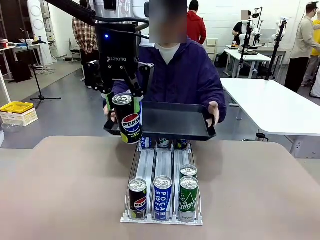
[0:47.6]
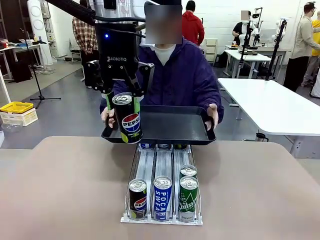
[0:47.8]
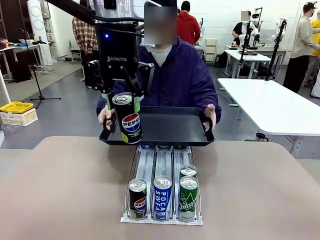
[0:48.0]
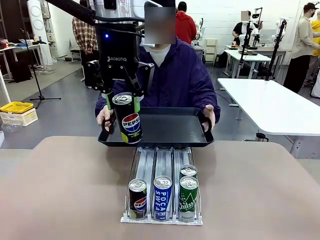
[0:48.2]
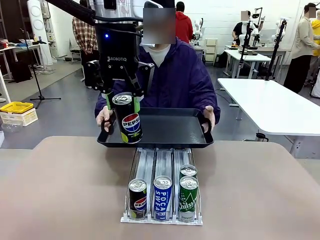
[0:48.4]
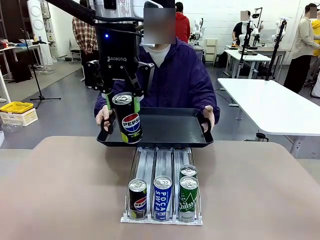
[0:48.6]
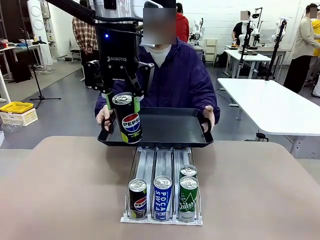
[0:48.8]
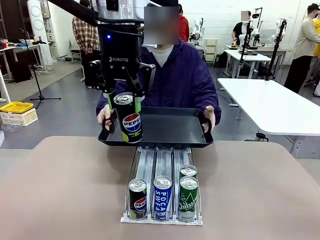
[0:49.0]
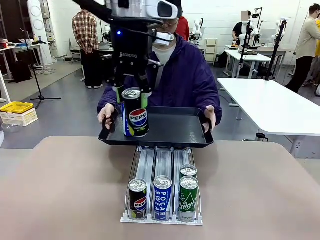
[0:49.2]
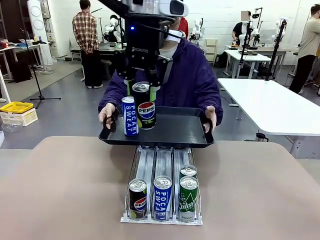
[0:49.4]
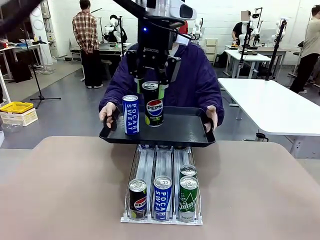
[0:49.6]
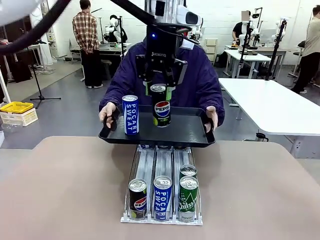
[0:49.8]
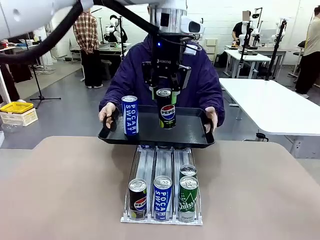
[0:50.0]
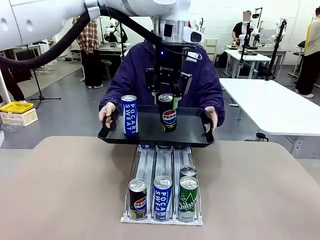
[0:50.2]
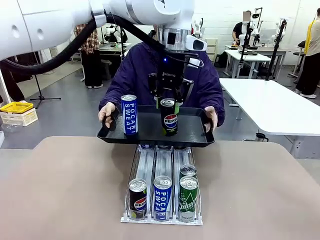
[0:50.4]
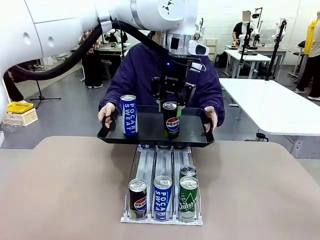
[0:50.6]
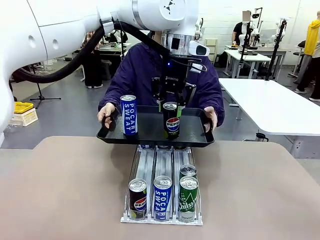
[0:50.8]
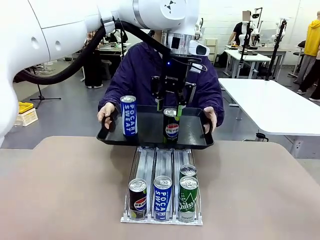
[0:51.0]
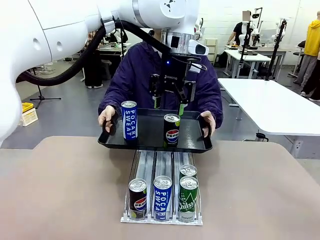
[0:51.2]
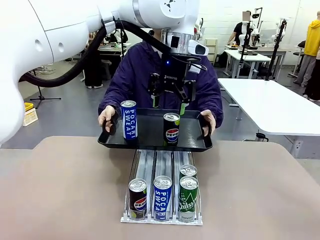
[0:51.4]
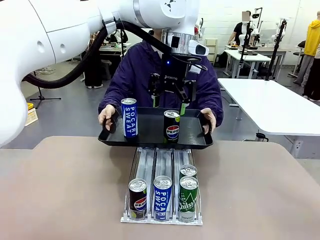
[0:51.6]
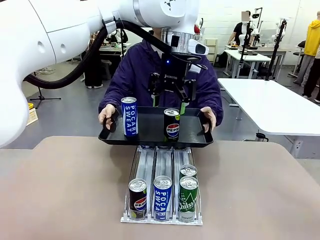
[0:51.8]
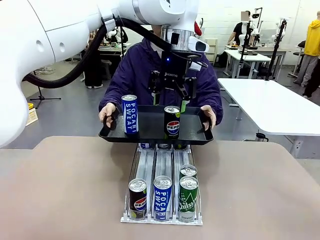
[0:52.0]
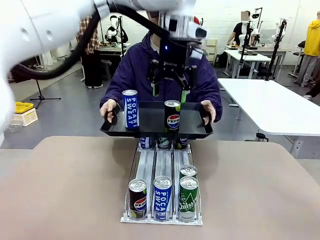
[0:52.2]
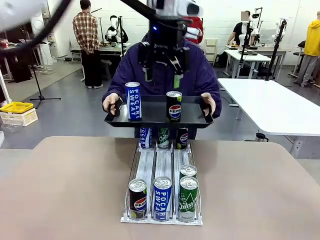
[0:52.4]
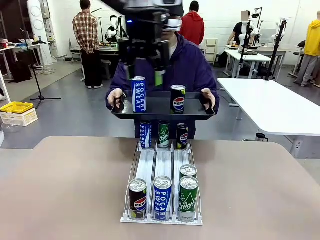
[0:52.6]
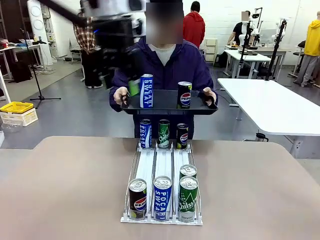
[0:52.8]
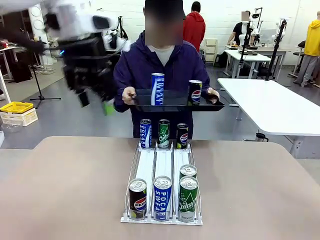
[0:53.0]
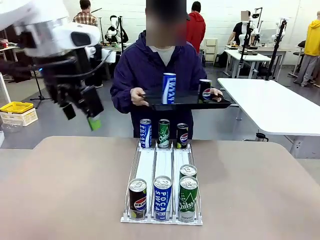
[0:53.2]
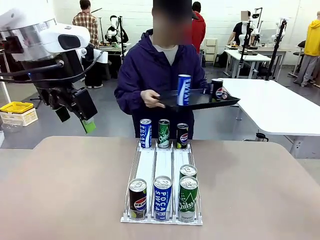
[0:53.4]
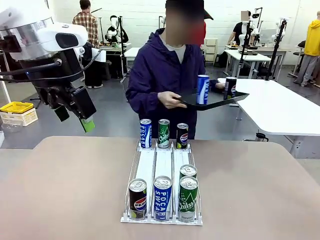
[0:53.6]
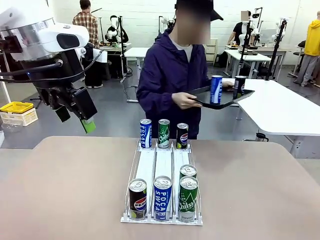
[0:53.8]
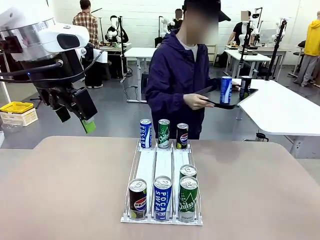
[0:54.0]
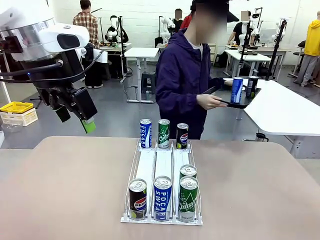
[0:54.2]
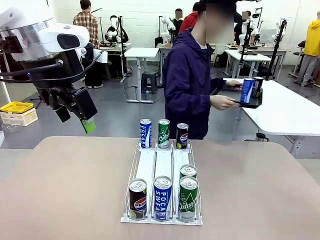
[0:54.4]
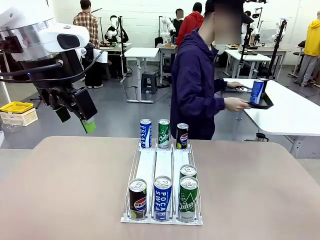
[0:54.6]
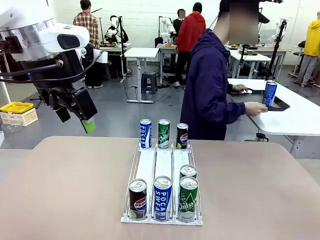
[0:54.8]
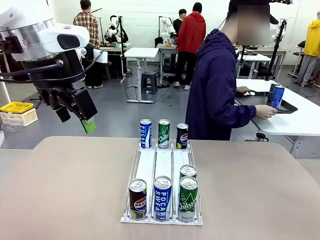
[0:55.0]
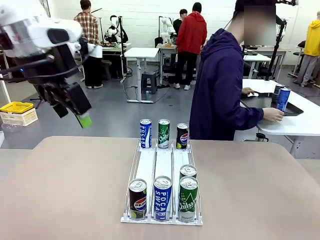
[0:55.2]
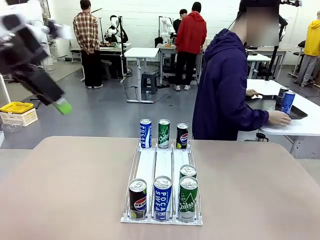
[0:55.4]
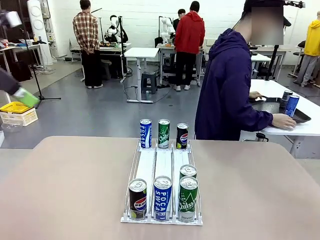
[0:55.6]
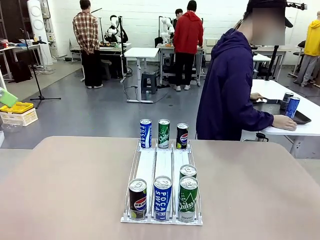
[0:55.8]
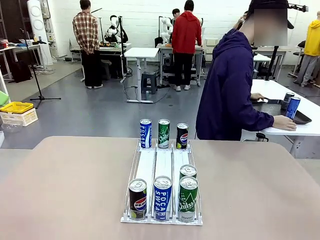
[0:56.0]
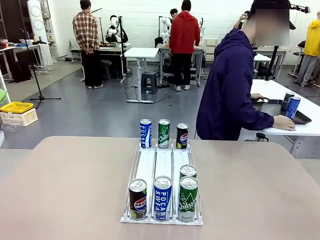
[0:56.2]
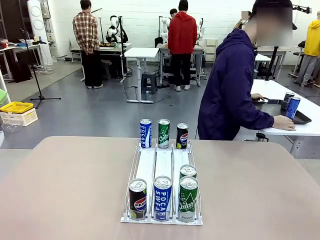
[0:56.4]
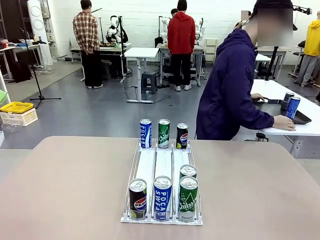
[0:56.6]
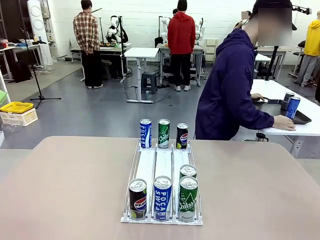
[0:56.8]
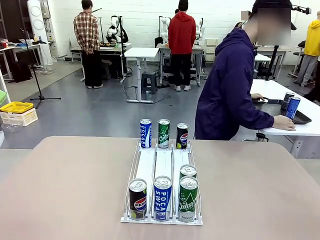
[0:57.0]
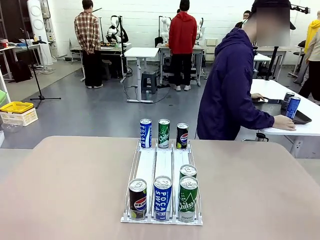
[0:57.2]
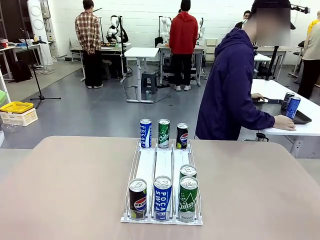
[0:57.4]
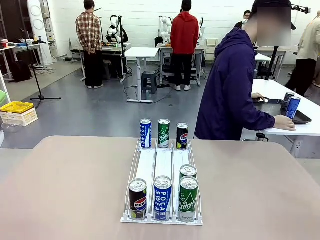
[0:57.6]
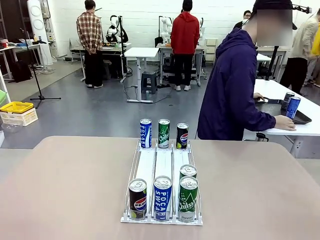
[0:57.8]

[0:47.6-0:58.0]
Task: Retrieve and hand over the desired beverage to the person.
Robot: Place the picked can on the Handle tray extended by the person.
Person: Pull the tray back and place it at the center of the human table.

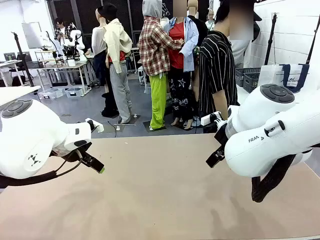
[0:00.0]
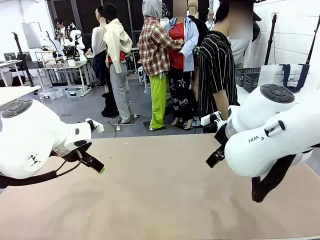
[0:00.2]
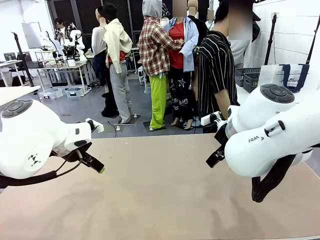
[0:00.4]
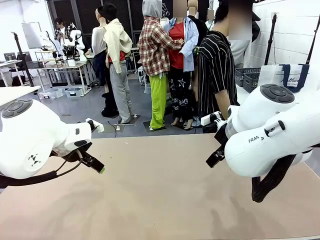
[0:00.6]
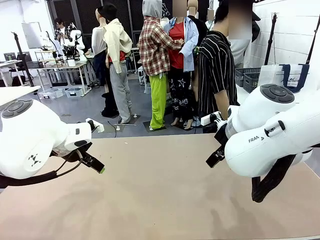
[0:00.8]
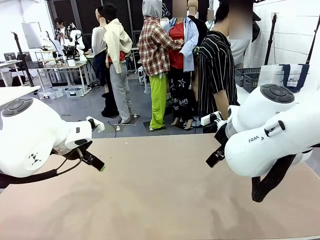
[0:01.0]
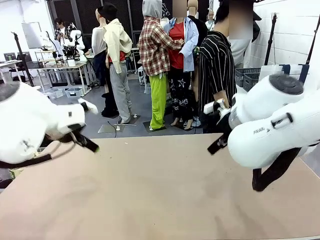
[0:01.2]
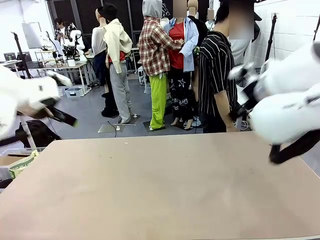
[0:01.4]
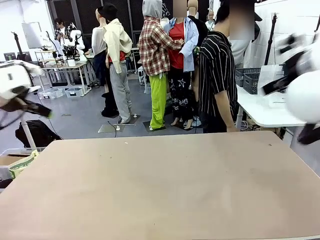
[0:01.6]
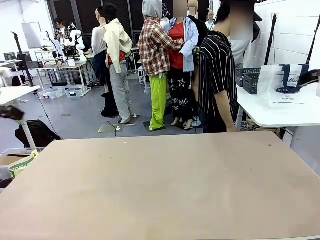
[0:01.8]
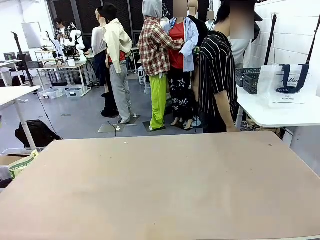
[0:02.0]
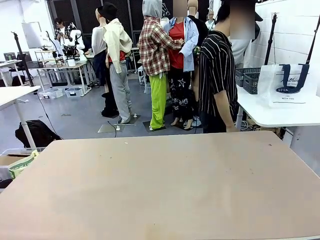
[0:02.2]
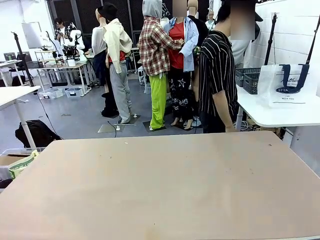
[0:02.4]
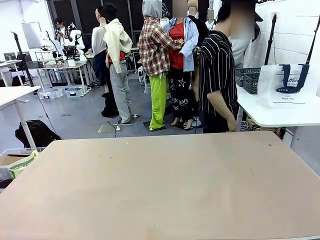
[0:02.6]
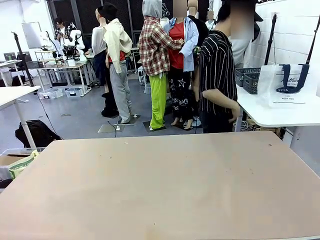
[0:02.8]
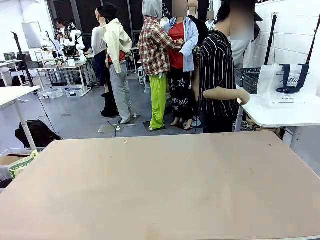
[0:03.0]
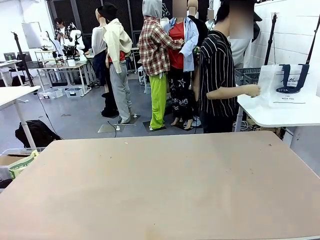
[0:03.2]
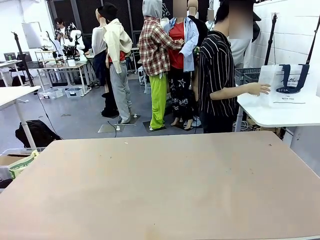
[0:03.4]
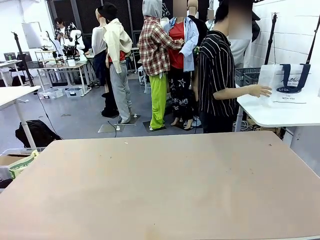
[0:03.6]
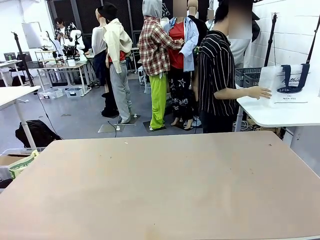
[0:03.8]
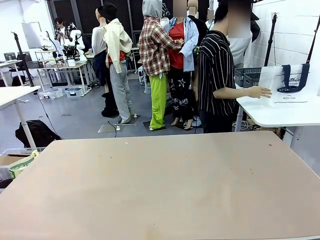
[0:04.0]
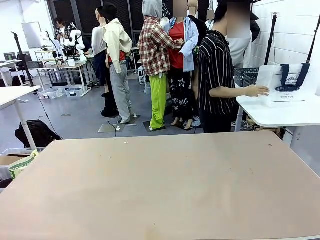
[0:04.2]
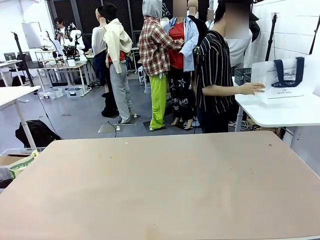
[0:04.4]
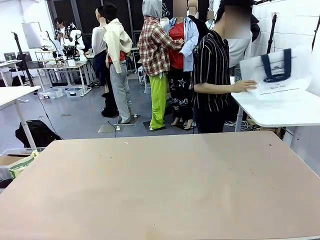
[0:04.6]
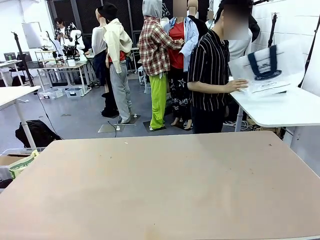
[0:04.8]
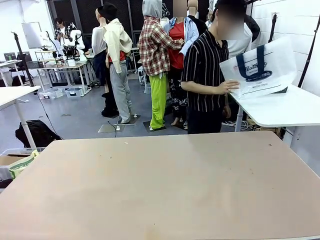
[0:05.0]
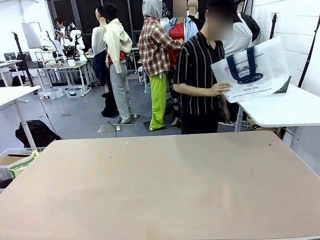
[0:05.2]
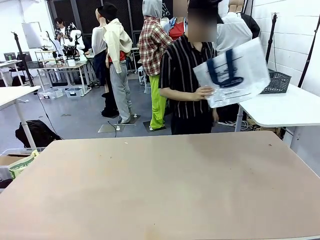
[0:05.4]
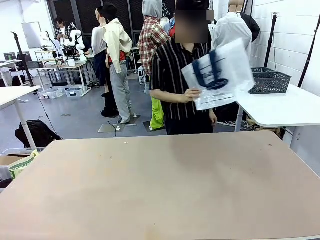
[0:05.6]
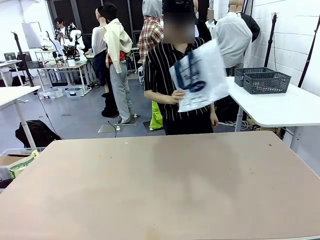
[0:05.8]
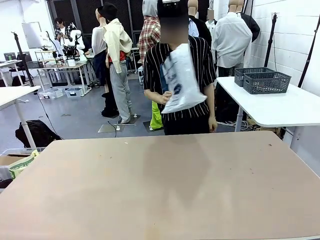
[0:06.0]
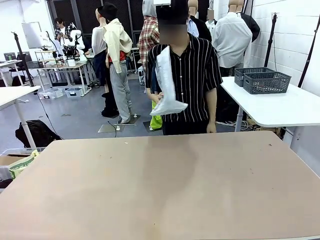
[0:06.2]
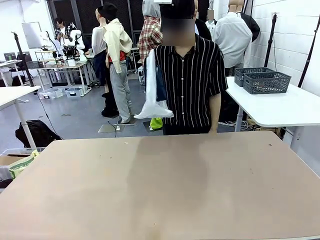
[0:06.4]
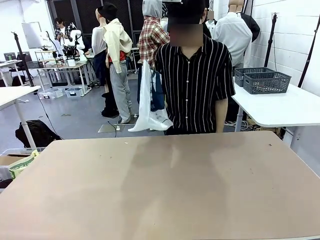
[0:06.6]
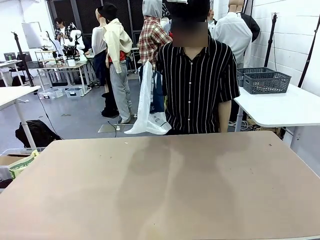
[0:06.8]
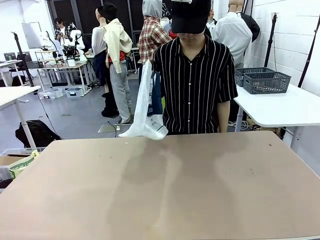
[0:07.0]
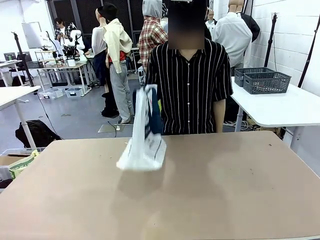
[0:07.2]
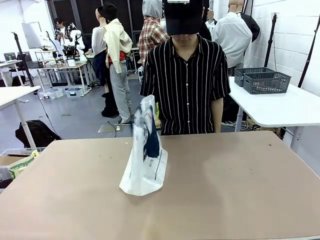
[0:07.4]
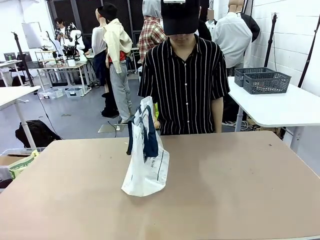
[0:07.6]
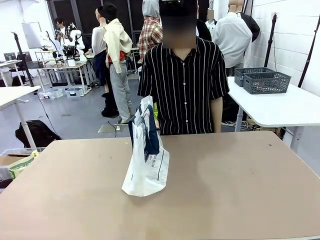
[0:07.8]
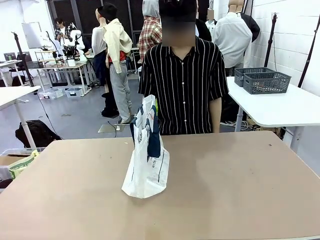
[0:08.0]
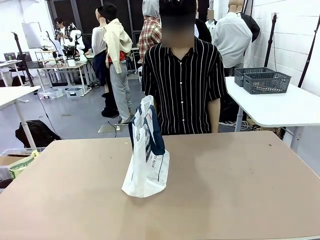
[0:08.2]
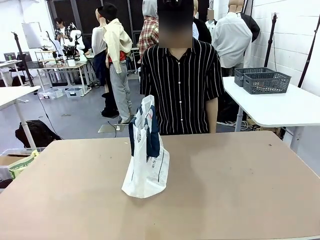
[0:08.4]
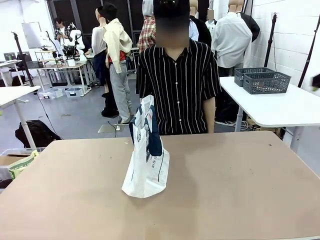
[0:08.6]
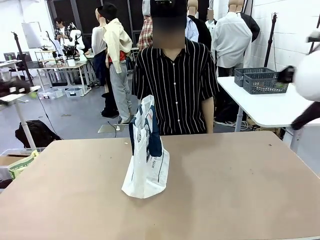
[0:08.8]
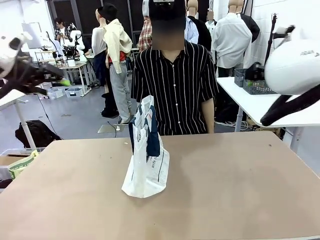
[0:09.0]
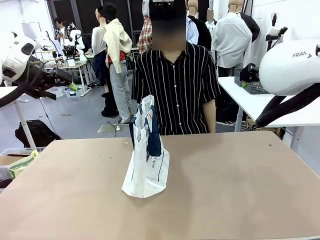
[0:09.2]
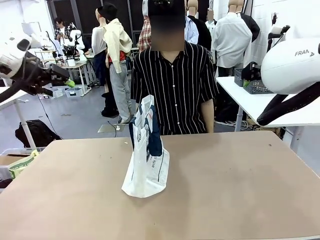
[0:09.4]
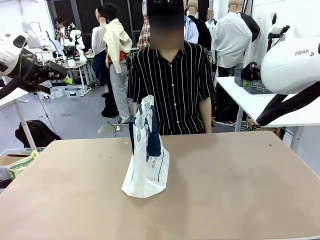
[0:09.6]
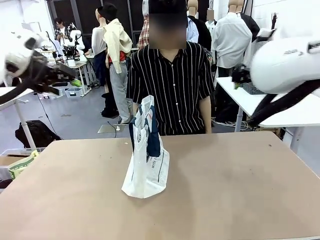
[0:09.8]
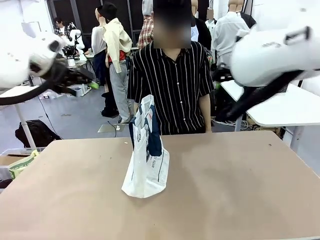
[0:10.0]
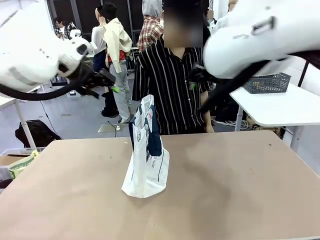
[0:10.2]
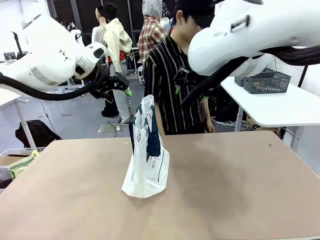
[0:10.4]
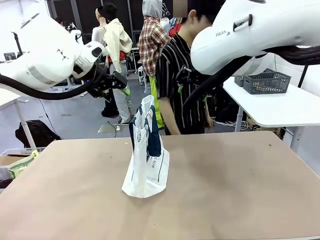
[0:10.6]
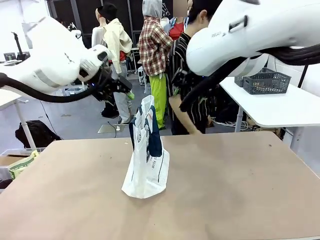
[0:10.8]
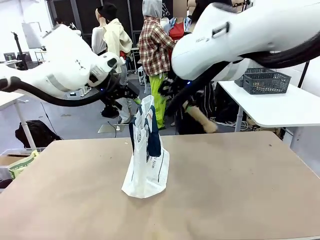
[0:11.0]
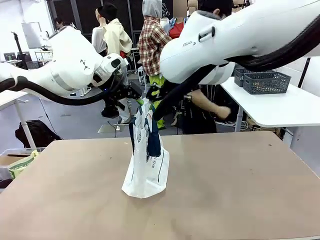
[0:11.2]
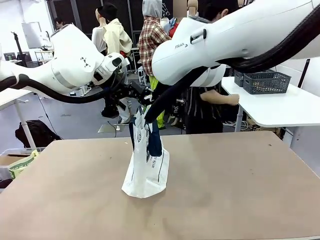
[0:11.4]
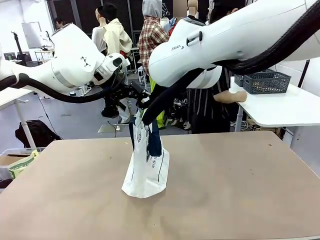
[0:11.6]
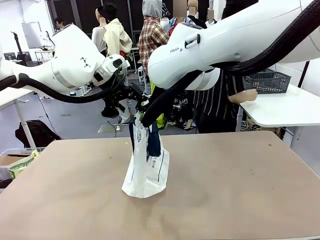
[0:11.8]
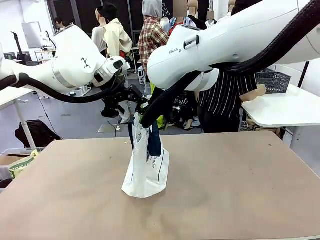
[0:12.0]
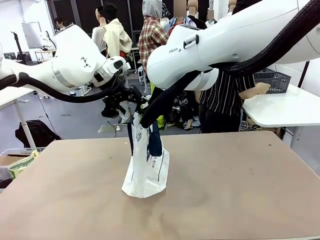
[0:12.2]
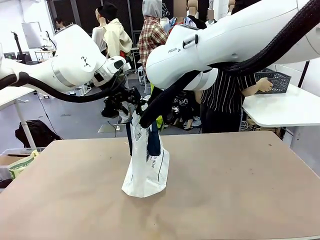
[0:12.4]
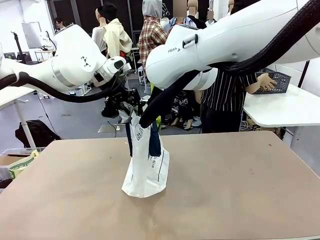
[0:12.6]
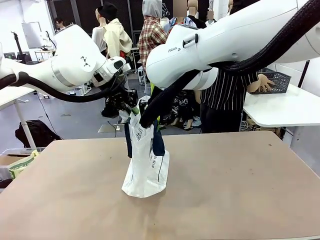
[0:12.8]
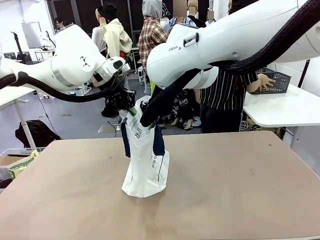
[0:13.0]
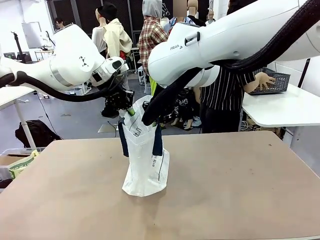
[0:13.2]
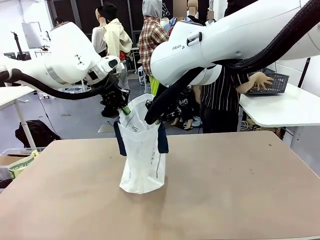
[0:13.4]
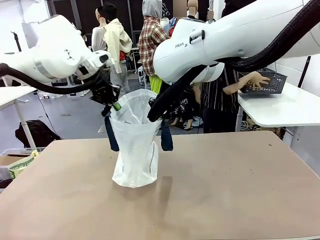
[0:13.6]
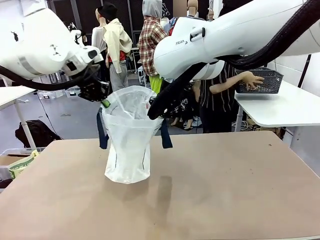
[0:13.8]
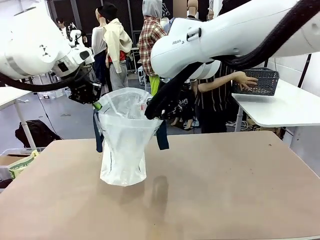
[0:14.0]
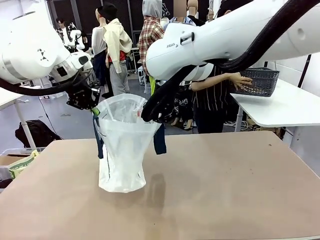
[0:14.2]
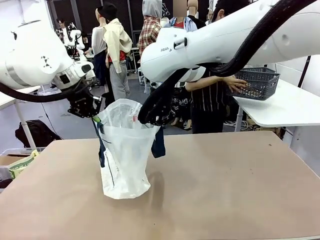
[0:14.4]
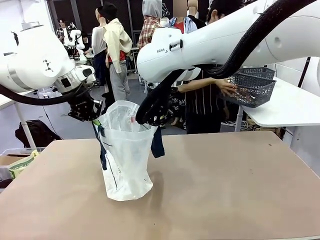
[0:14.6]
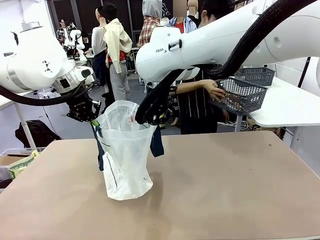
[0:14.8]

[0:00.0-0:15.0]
Task: Transfer purchased items from the store into the shopping bag.
Robot: Open the Reusable shopping bag in the center of the table.
Person: Pick up the shopping bag and place it in the middle of the robot table. Pick up the basket on the right, place it on the left side of the robot table, and move the items in the basket to the shopping bag.
